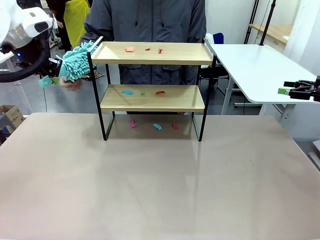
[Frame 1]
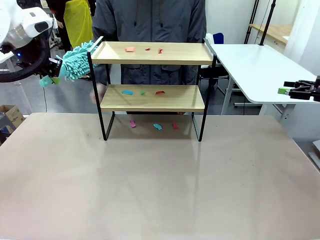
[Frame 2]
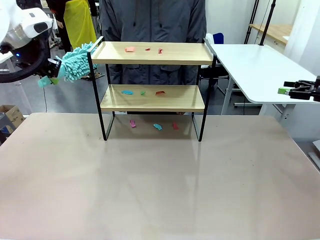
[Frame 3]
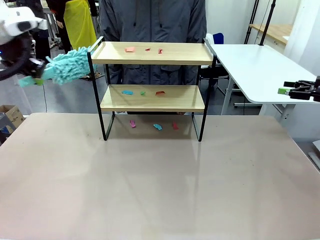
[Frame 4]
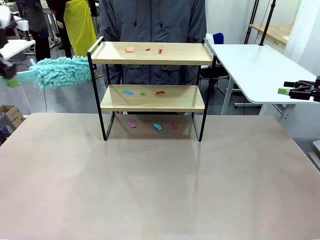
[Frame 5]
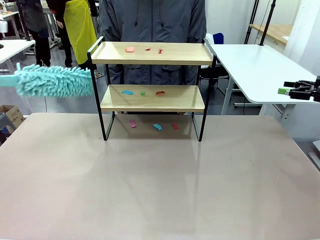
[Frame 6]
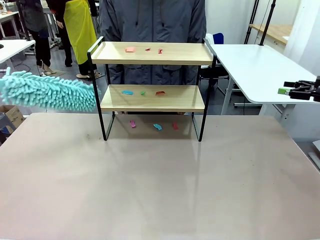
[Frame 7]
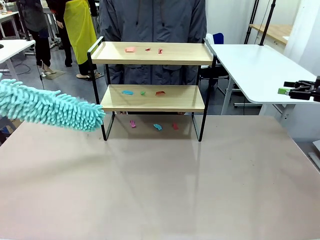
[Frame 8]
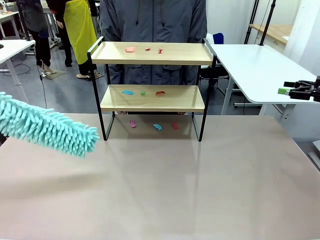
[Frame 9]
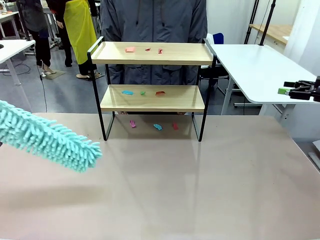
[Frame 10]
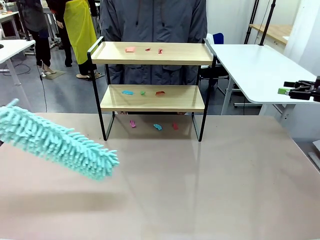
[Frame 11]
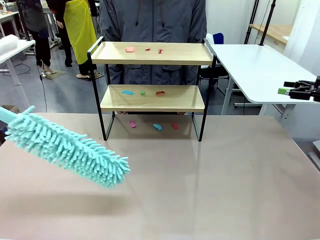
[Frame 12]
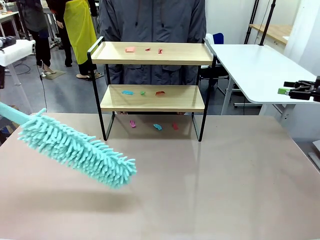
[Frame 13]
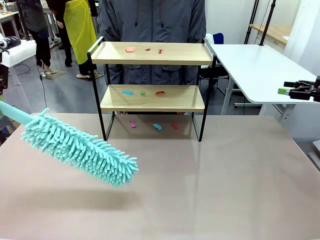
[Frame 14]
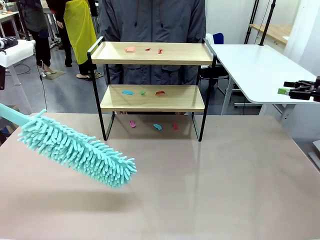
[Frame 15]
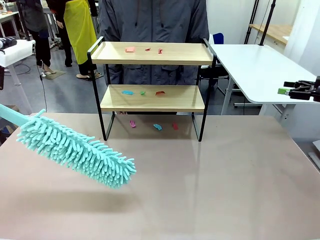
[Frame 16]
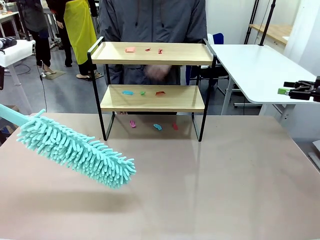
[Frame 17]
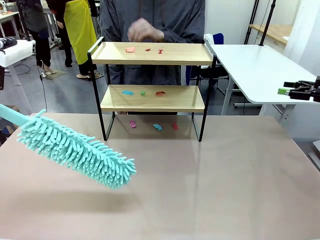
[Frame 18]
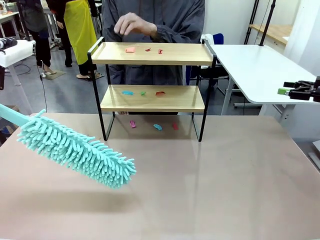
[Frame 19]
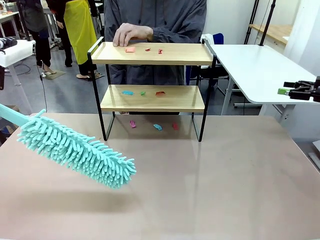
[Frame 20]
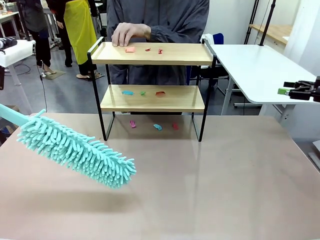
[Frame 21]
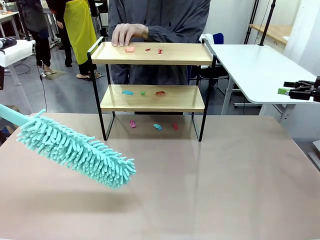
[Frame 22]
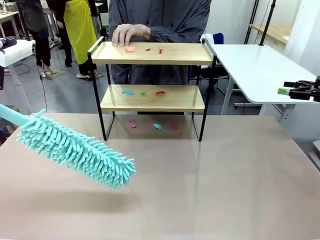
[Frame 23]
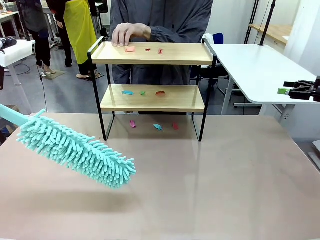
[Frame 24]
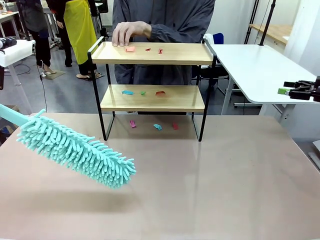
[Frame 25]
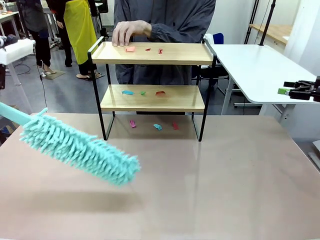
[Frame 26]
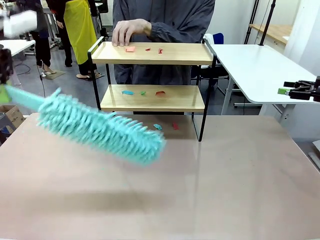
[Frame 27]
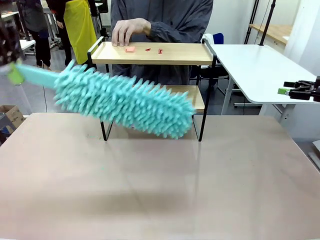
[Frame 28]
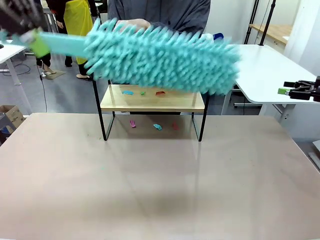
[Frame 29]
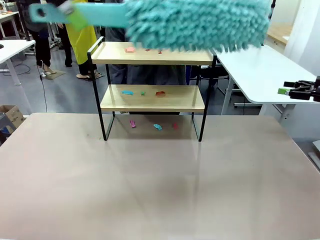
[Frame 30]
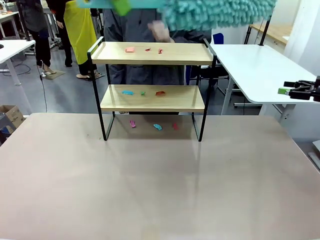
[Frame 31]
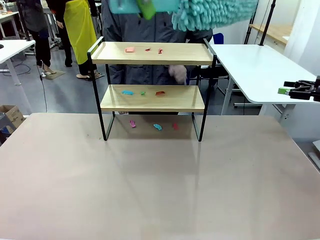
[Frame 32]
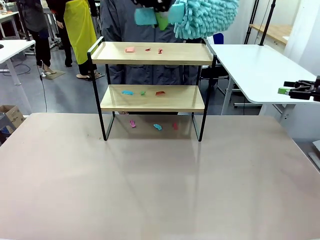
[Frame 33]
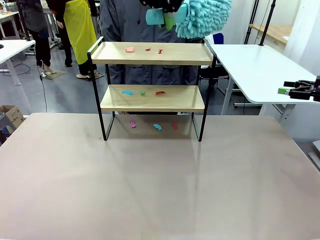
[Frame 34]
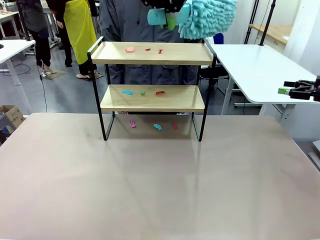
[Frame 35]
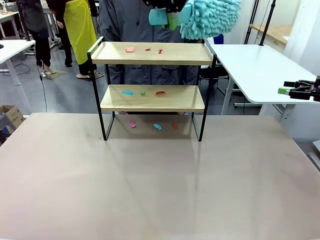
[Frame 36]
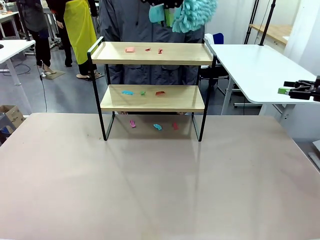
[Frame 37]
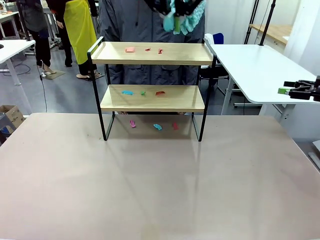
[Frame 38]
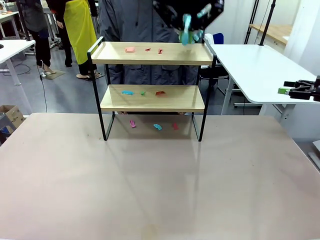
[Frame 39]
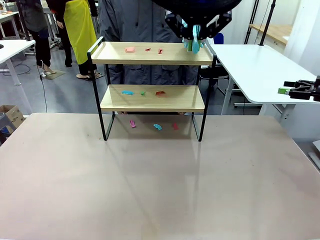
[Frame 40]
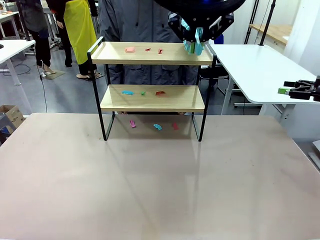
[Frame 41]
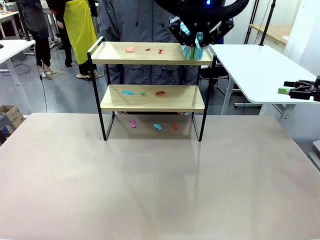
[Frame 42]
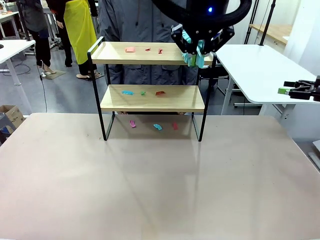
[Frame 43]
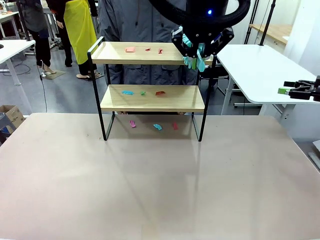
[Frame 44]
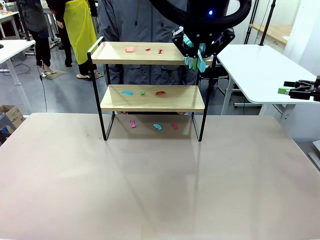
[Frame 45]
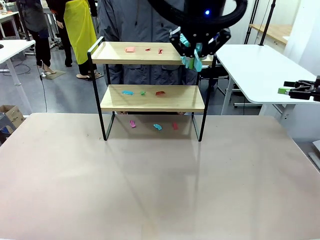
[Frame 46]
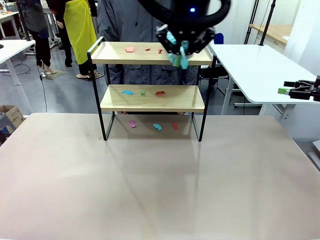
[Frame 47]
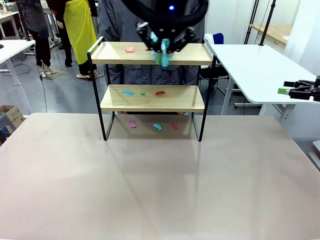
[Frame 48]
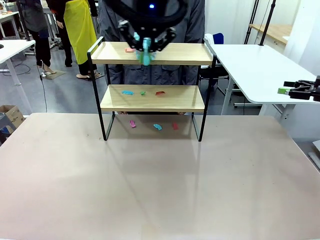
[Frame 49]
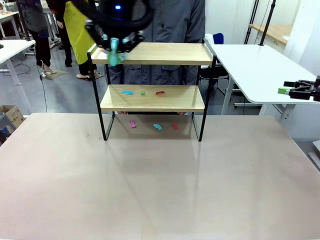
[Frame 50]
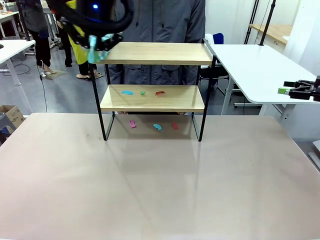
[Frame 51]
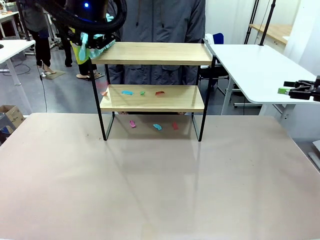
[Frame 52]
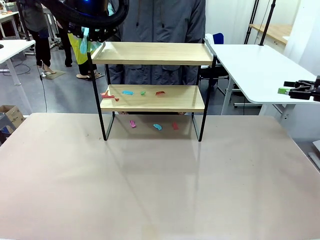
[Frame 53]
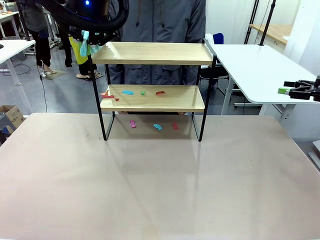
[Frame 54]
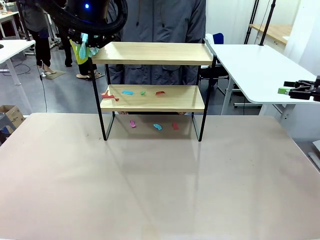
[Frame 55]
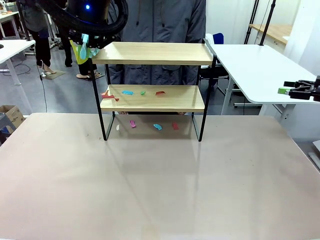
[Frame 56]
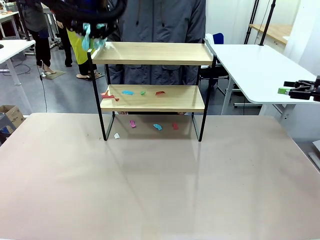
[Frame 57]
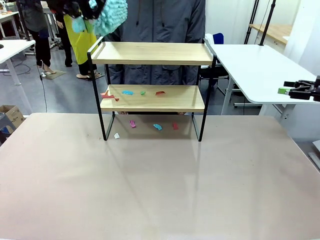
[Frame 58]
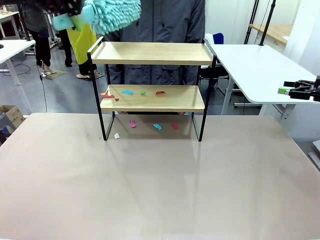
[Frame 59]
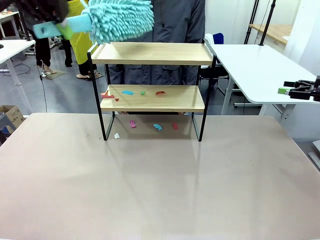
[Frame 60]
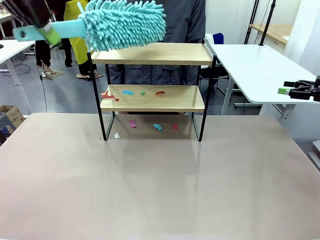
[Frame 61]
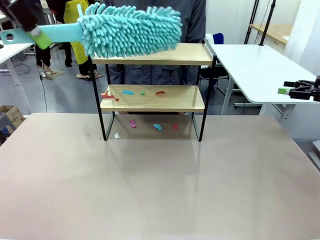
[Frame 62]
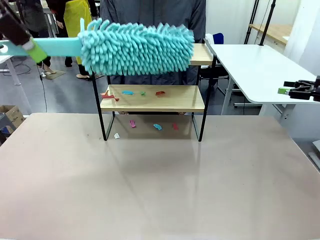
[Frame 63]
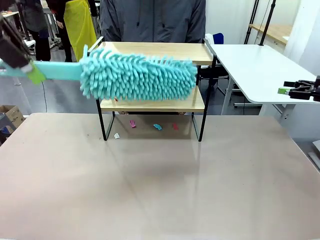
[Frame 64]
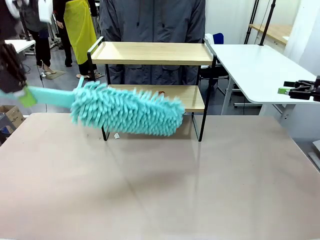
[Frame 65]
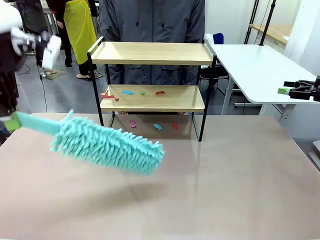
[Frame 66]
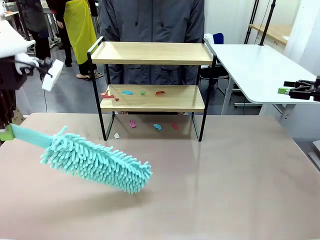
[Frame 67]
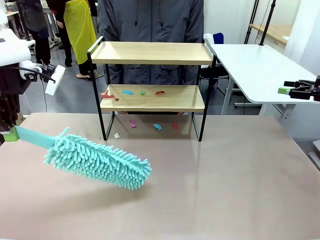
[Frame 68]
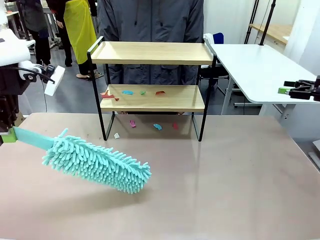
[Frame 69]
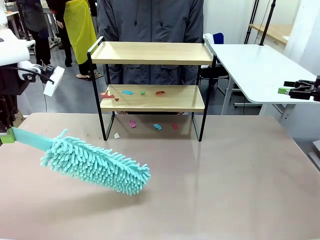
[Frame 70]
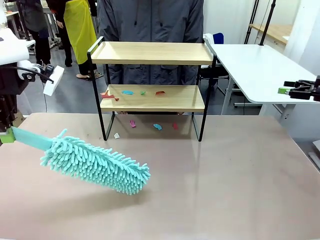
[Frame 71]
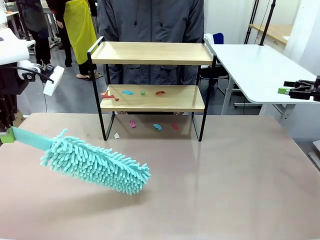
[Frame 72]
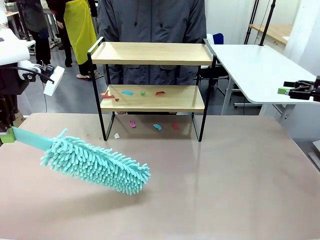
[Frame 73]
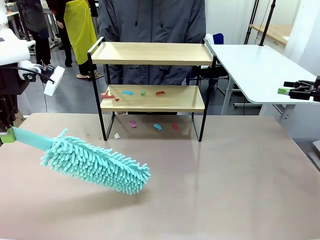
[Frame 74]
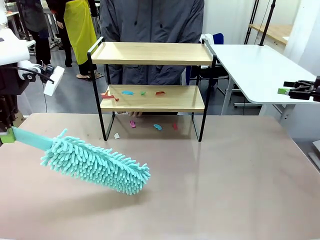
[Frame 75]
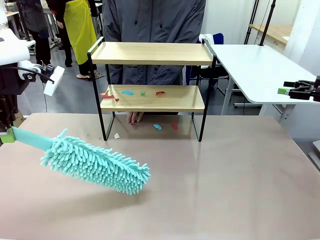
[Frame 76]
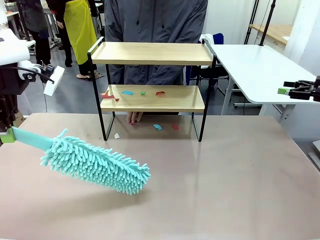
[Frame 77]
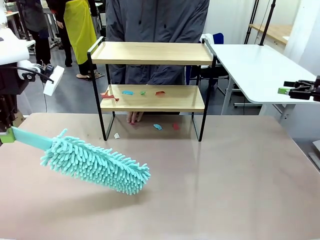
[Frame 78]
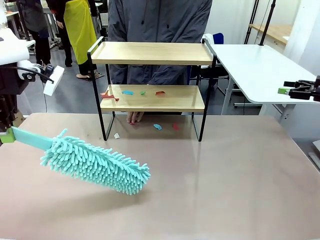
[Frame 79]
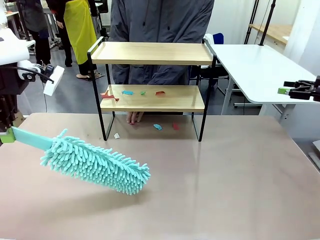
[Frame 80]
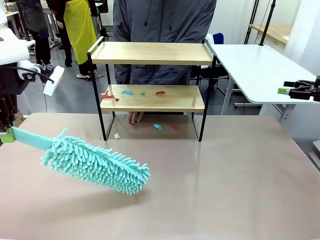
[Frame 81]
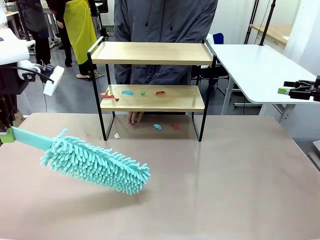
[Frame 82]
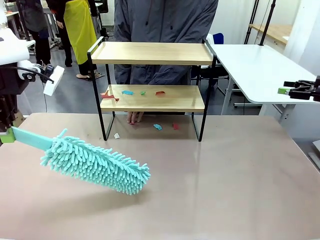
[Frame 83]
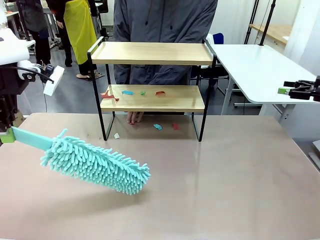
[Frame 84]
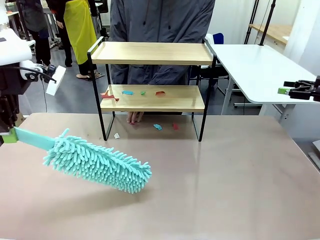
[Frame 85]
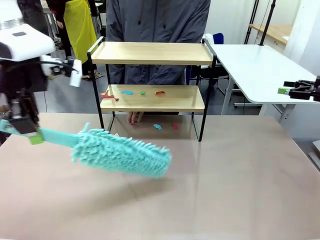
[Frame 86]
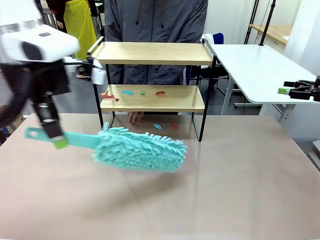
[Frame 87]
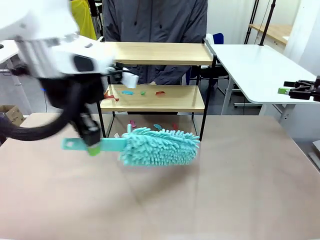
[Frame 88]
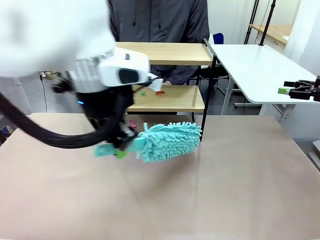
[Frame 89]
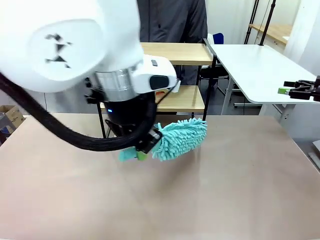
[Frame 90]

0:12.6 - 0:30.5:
Task: Clean the shelf.
Robot: Clean the specific section of the Shelf indicated by the human with the Duster.
Person: Point a random section of the Shelf.
